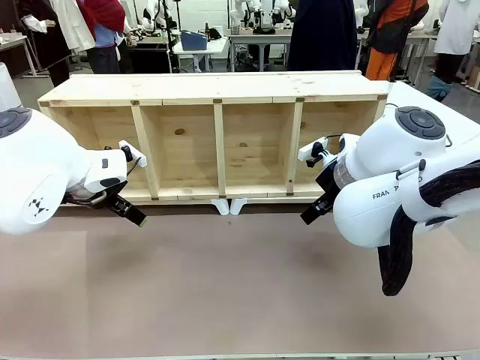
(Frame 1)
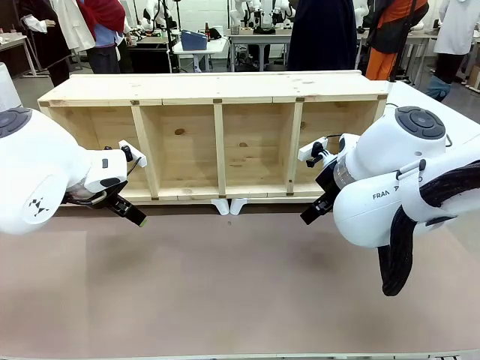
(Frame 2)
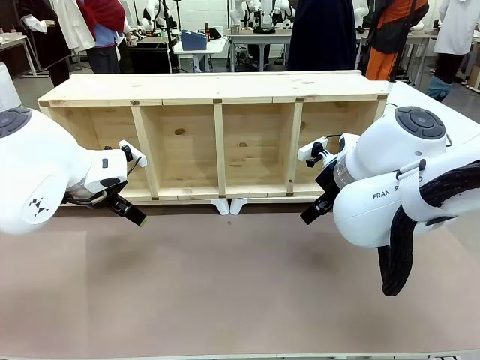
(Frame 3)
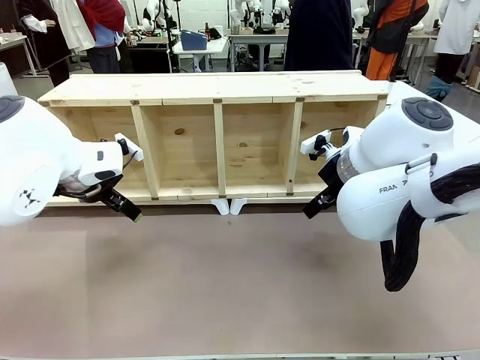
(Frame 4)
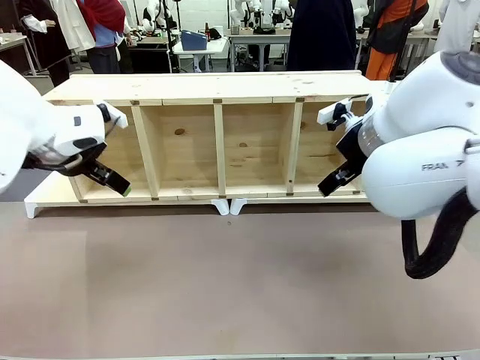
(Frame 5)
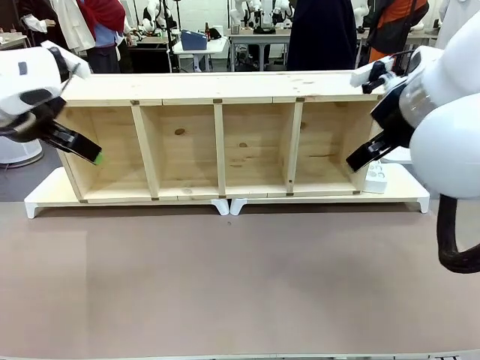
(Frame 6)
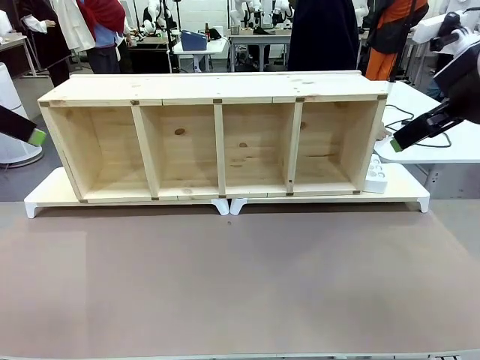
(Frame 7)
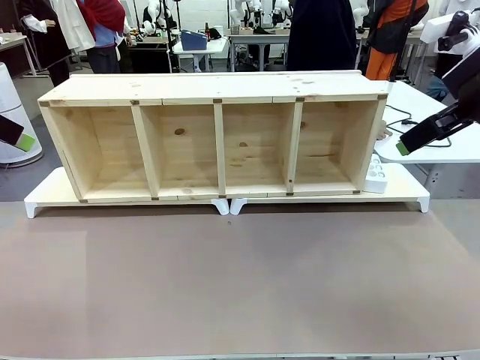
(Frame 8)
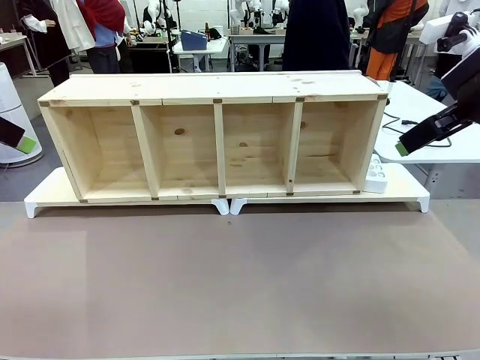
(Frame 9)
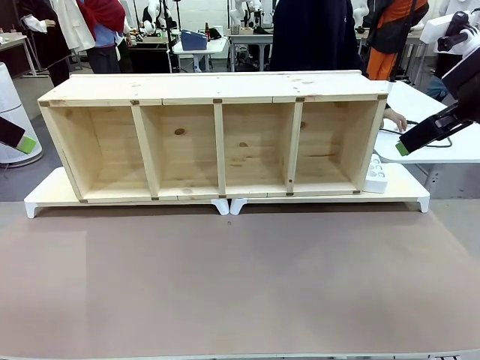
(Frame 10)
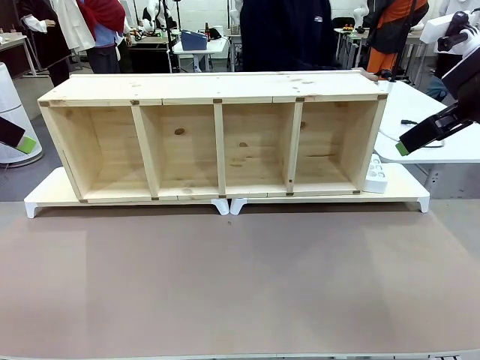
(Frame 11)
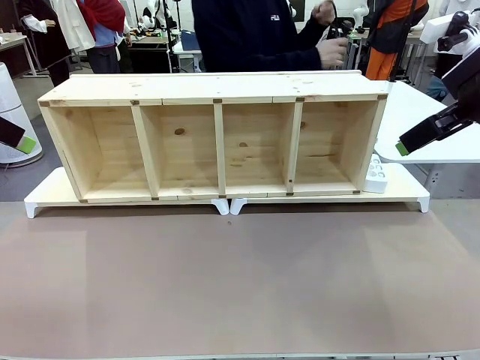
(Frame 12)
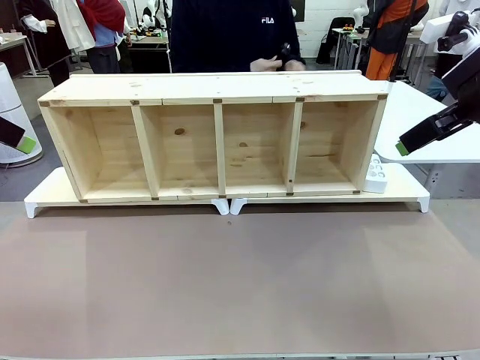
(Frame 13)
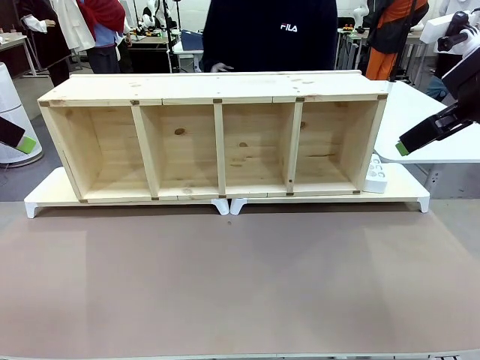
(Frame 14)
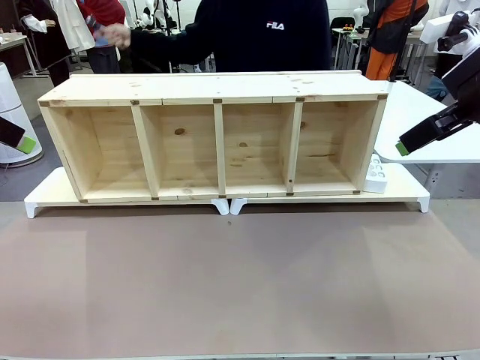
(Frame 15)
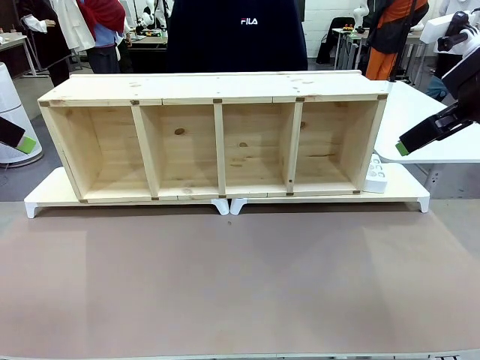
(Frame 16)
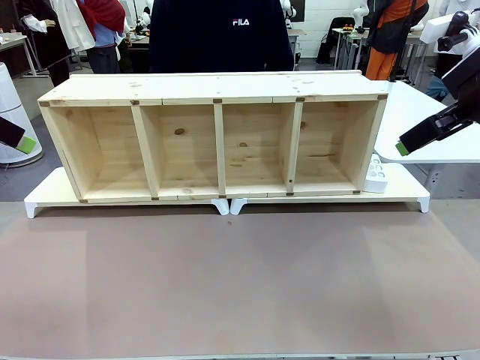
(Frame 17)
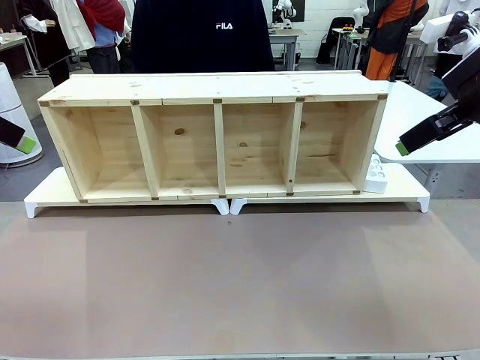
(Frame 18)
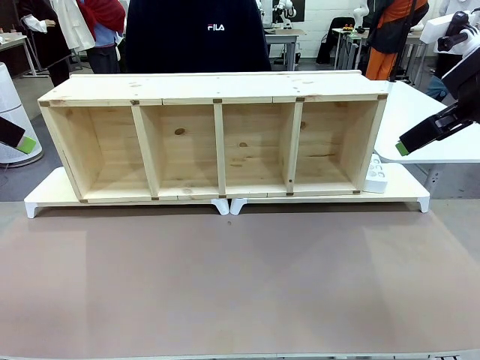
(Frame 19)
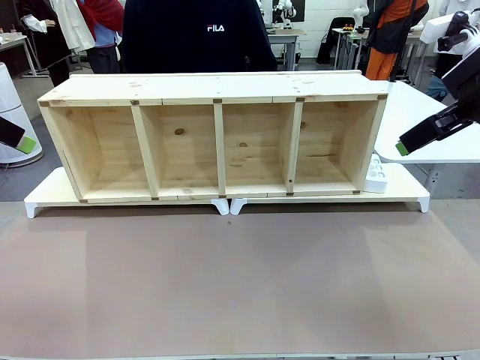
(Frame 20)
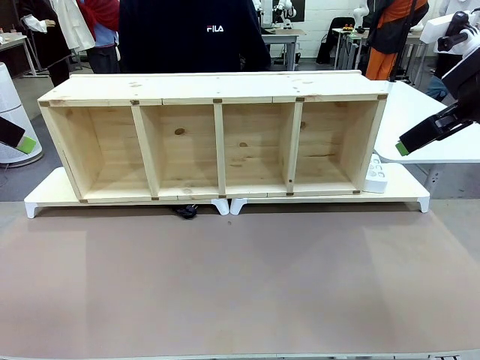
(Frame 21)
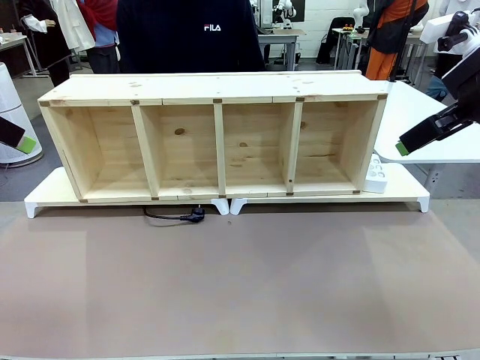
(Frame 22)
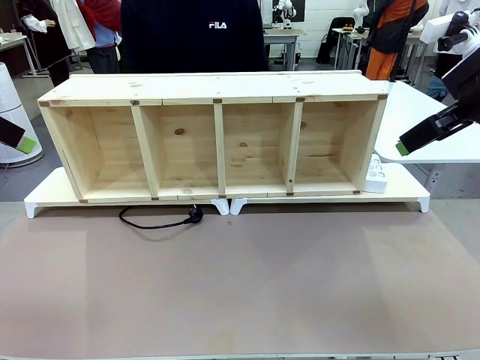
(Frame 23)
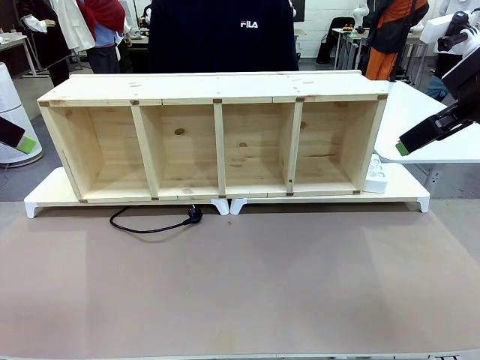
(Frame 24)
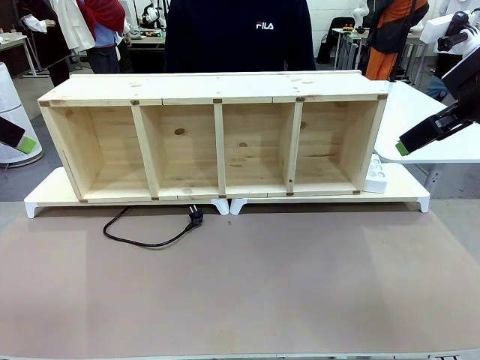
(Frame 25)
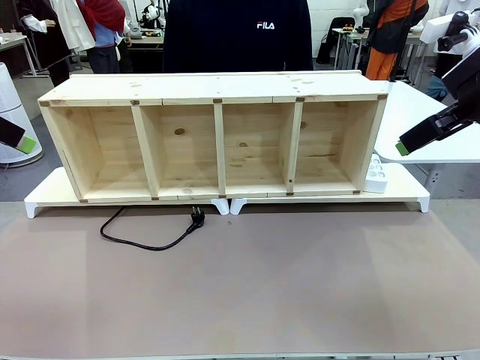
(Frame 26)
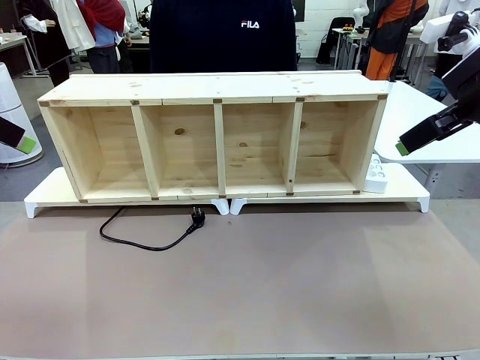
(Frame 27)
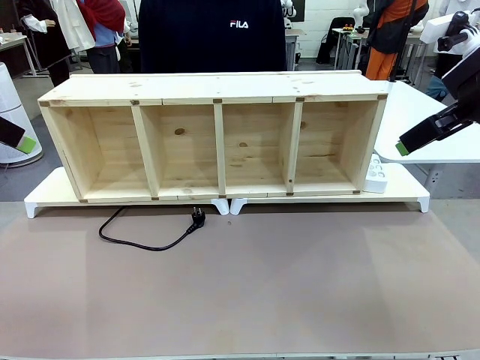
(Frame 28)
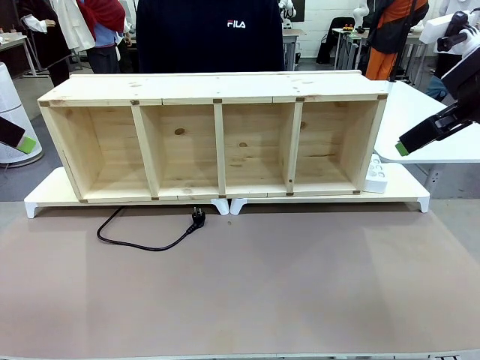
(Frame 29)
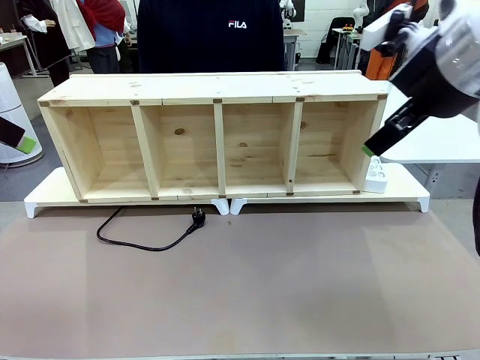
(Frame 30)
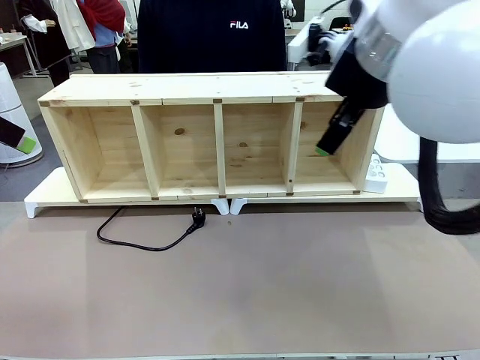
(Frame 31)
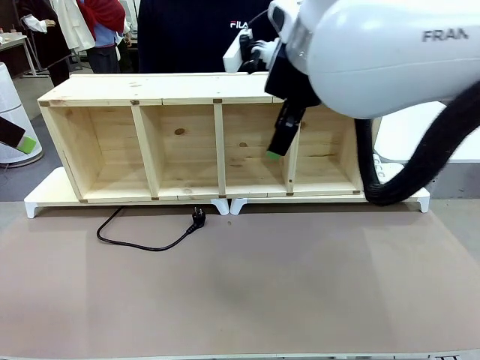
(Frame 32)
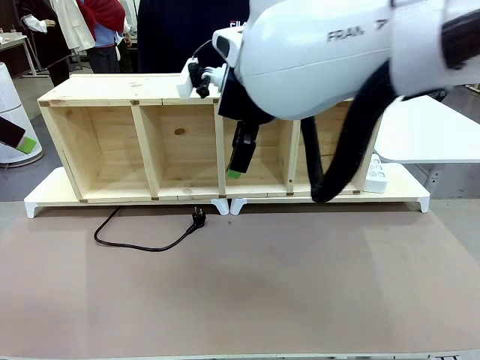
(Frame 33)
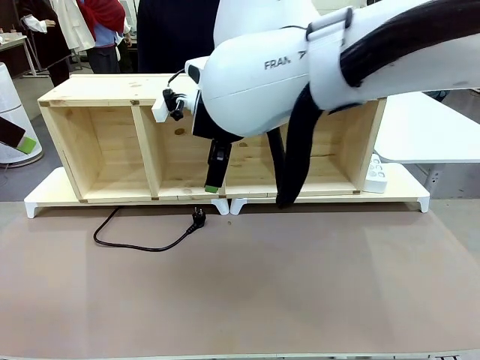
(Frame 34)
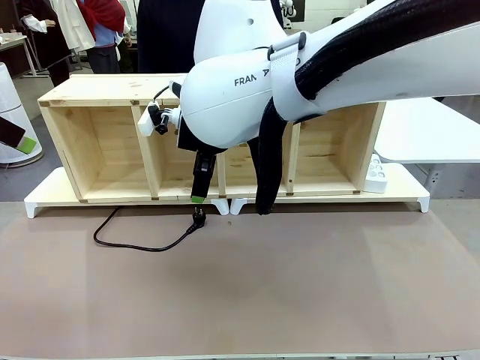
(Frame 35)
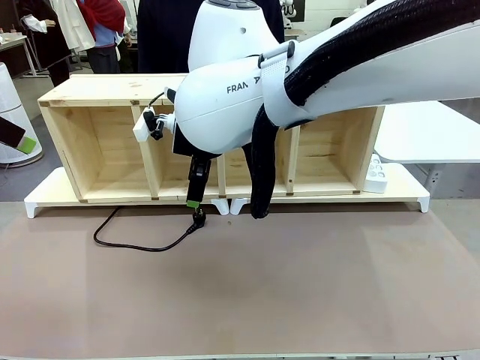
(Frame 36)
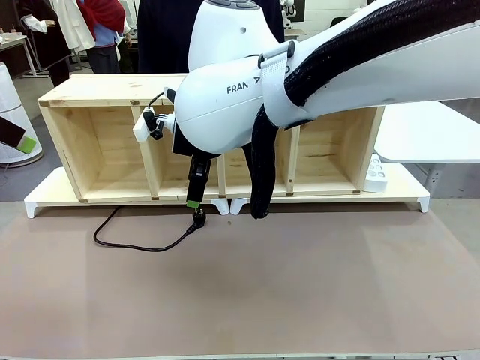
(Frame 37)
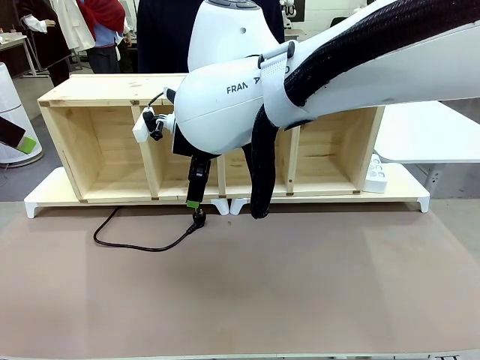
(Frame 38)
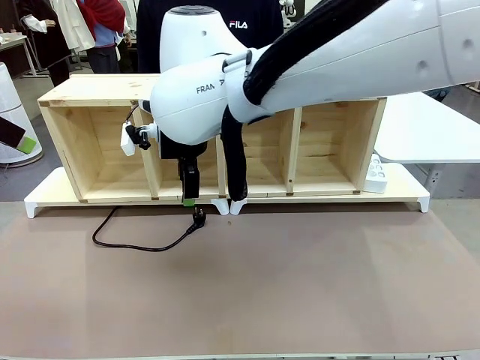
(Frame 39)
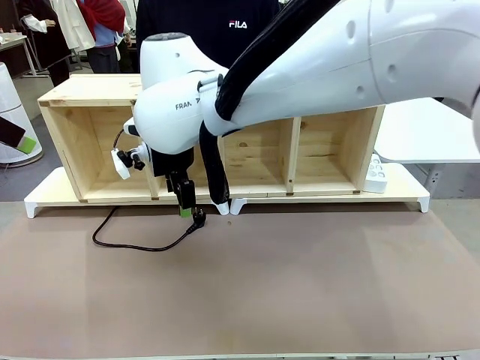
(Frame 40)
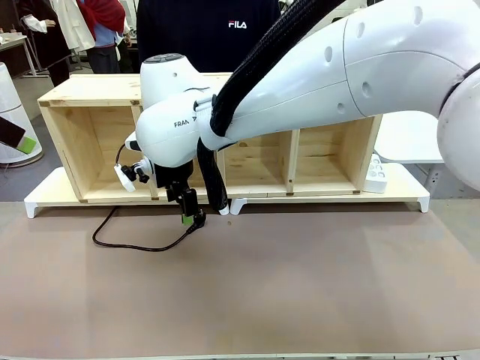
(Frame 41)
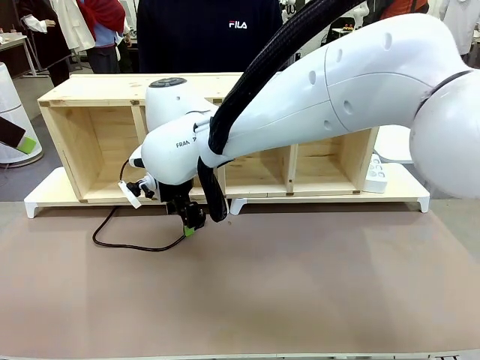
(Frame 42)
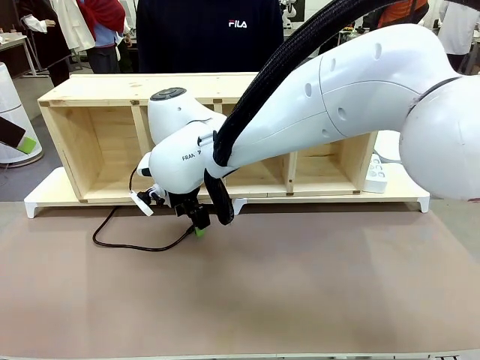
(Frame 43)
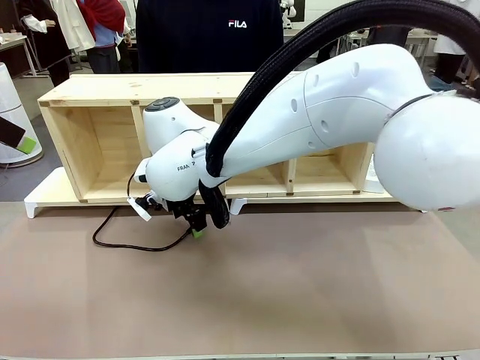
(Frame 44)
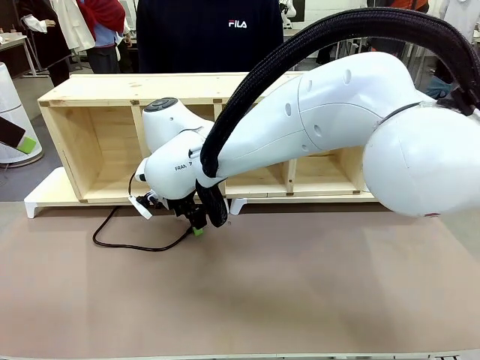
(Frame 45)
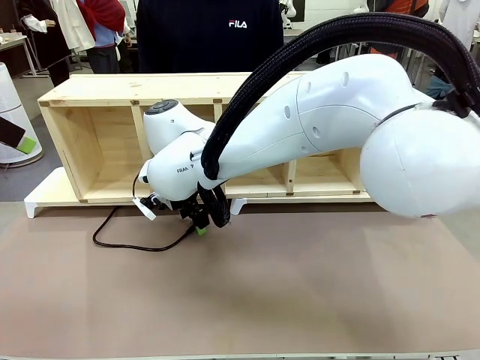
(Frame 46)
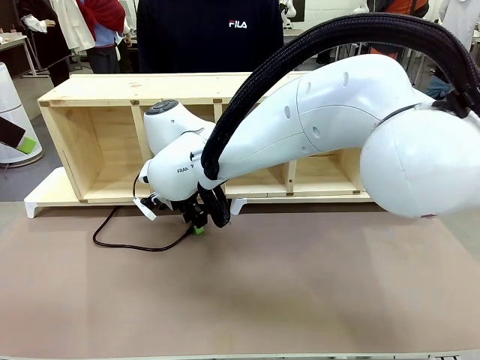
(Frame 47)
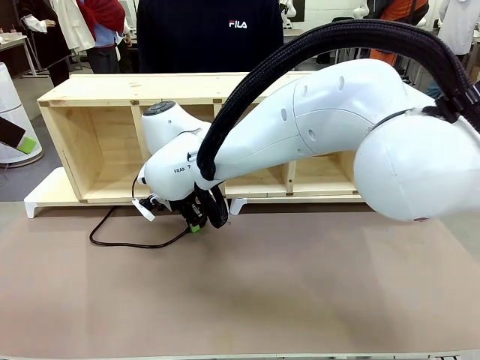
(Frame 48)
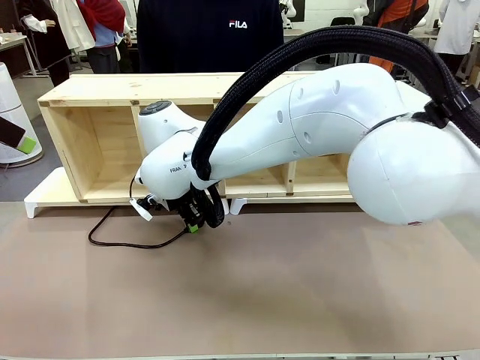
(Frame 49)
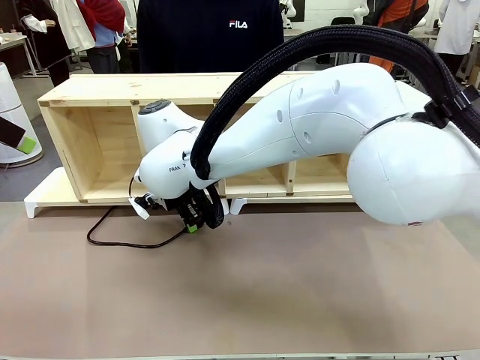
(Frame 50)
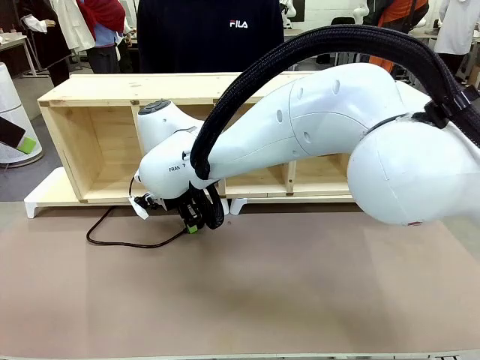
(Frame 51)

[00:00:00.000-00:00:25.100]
Task: Perform cable management.
Robot: When the cord part of the Power Cable appears at the lower middle area of the table and stops, grasp the cord part of the Power Cable.
Person: Pass the Power Cable under the Serving Table.
